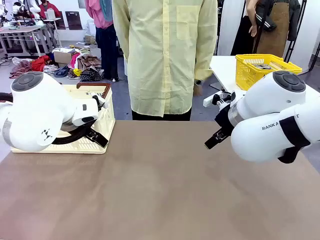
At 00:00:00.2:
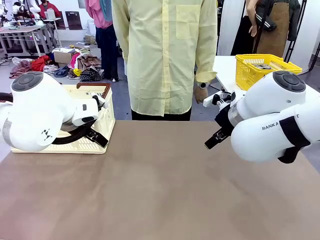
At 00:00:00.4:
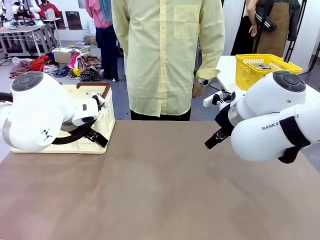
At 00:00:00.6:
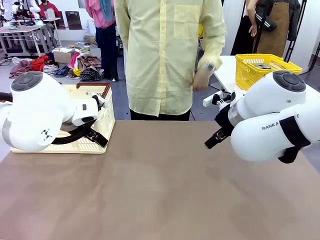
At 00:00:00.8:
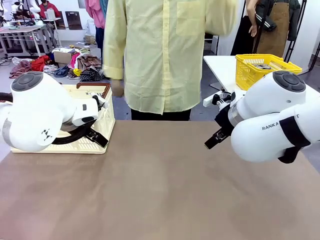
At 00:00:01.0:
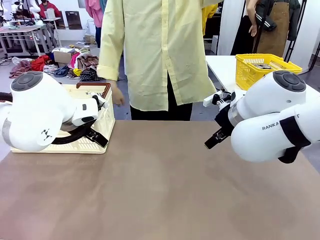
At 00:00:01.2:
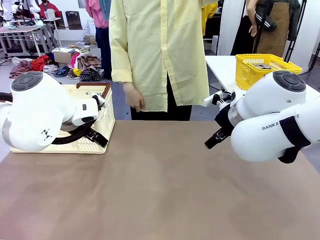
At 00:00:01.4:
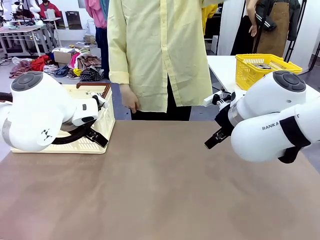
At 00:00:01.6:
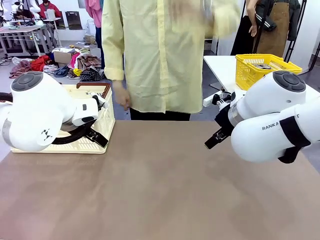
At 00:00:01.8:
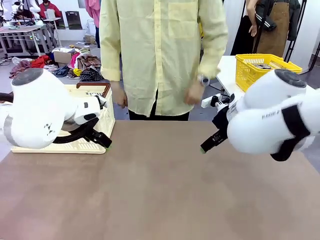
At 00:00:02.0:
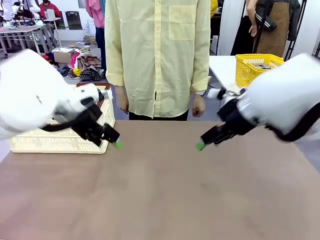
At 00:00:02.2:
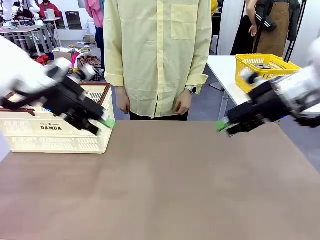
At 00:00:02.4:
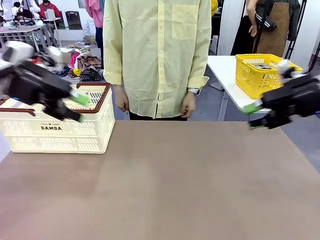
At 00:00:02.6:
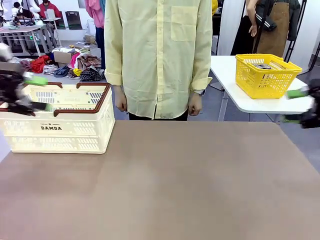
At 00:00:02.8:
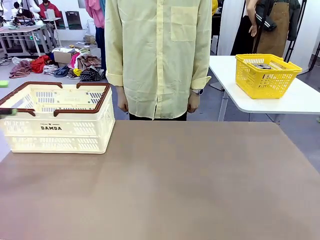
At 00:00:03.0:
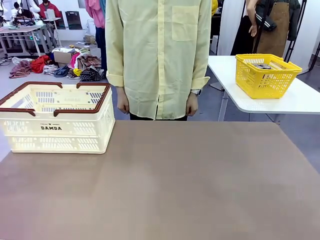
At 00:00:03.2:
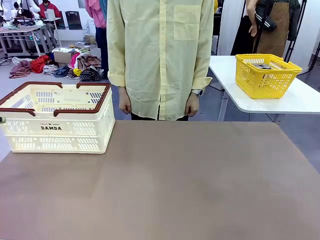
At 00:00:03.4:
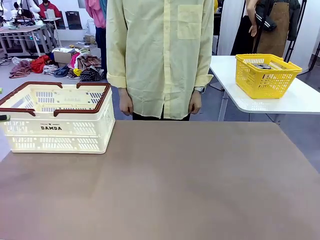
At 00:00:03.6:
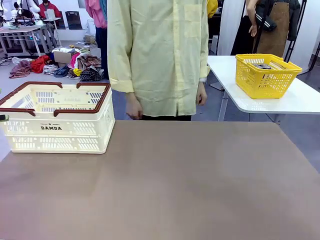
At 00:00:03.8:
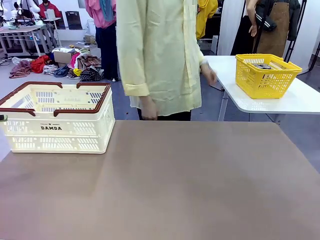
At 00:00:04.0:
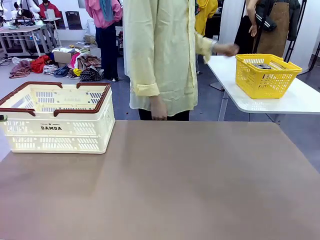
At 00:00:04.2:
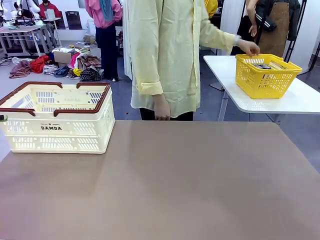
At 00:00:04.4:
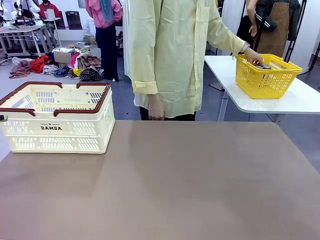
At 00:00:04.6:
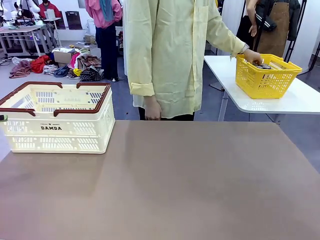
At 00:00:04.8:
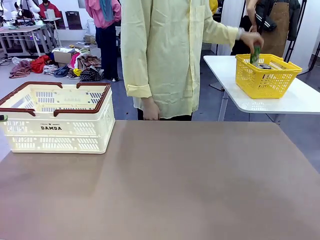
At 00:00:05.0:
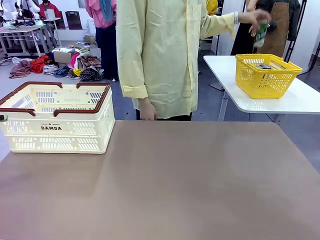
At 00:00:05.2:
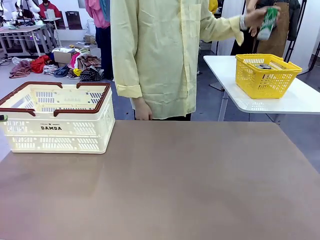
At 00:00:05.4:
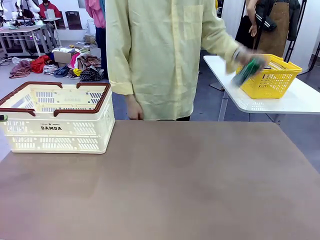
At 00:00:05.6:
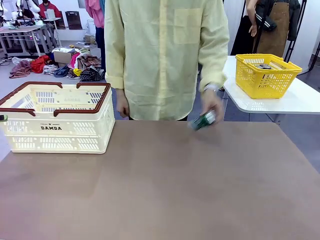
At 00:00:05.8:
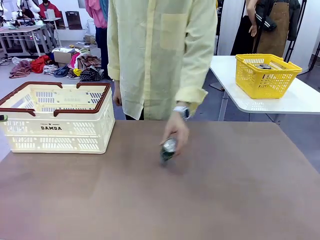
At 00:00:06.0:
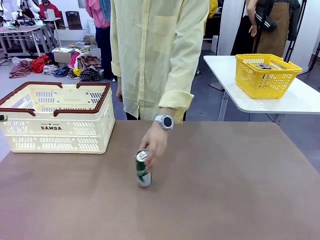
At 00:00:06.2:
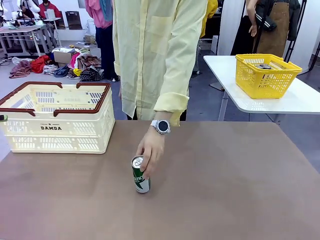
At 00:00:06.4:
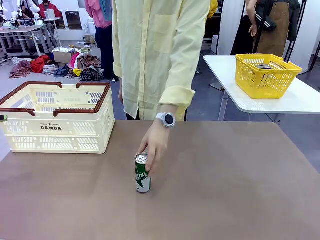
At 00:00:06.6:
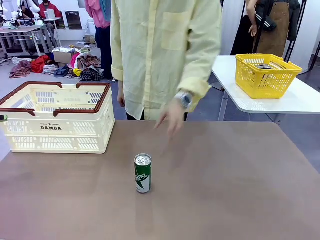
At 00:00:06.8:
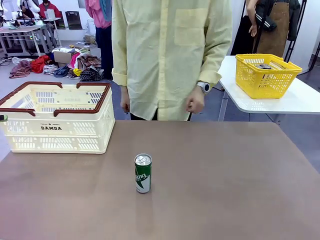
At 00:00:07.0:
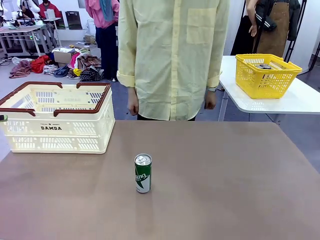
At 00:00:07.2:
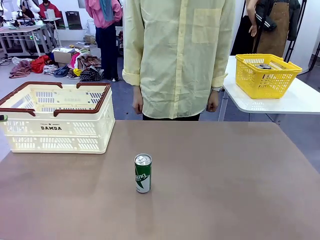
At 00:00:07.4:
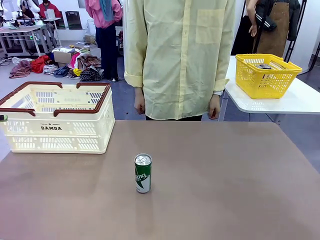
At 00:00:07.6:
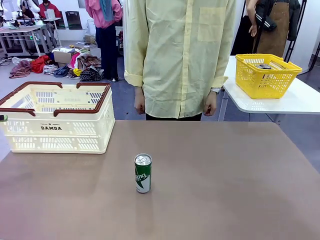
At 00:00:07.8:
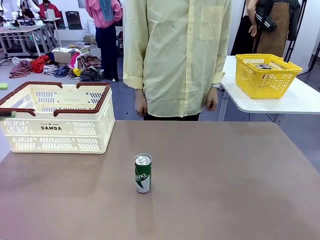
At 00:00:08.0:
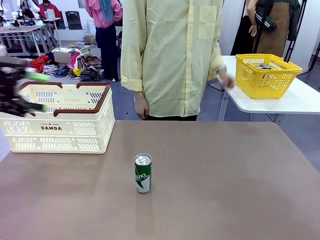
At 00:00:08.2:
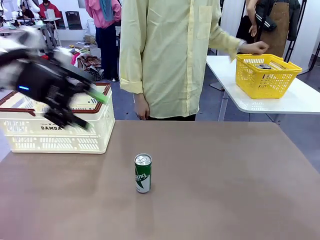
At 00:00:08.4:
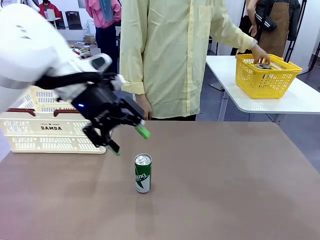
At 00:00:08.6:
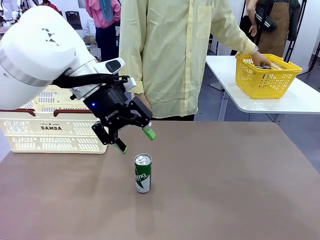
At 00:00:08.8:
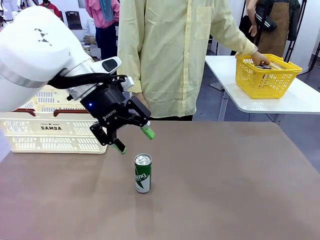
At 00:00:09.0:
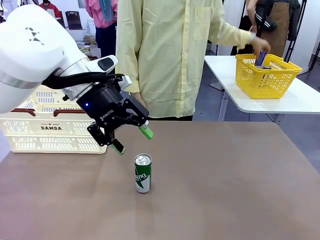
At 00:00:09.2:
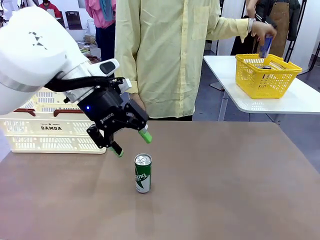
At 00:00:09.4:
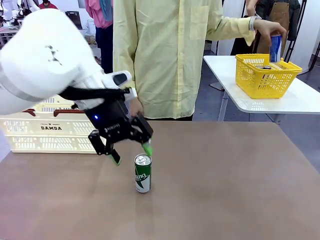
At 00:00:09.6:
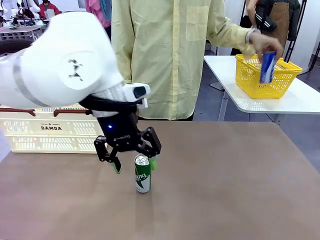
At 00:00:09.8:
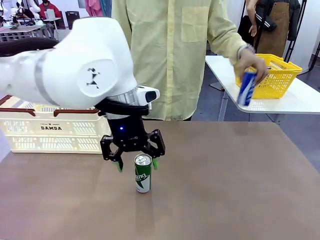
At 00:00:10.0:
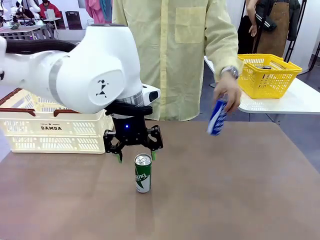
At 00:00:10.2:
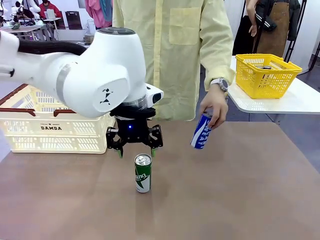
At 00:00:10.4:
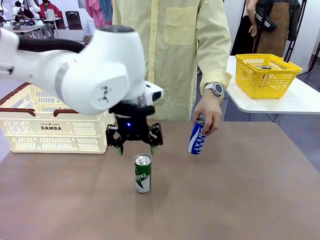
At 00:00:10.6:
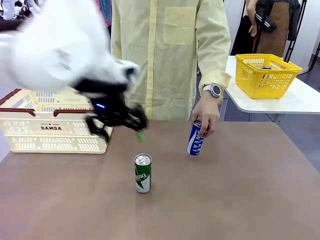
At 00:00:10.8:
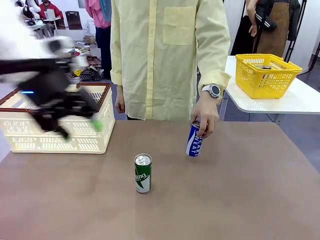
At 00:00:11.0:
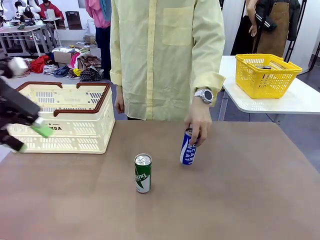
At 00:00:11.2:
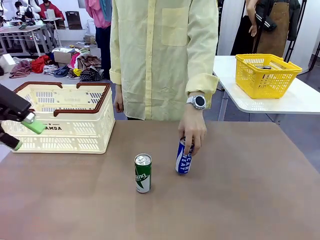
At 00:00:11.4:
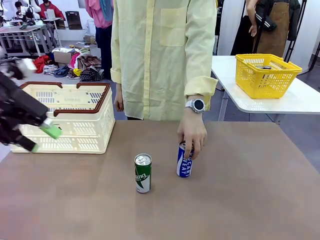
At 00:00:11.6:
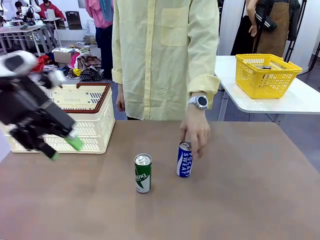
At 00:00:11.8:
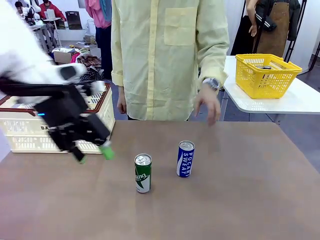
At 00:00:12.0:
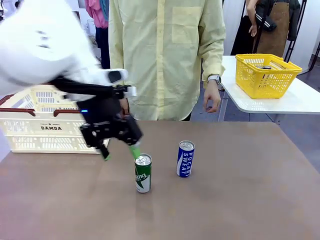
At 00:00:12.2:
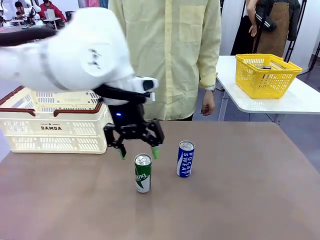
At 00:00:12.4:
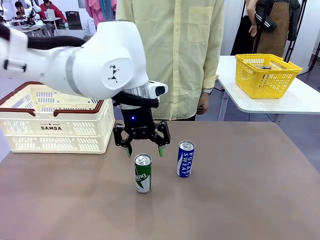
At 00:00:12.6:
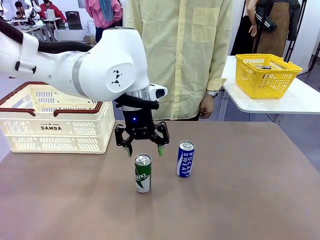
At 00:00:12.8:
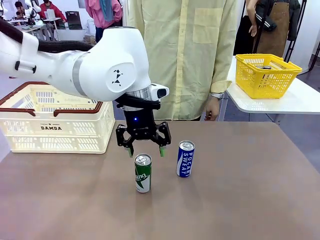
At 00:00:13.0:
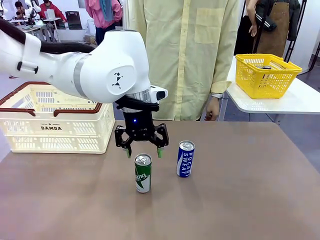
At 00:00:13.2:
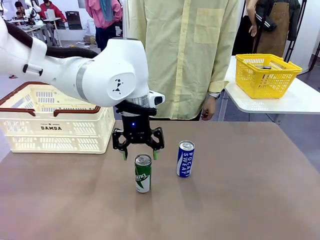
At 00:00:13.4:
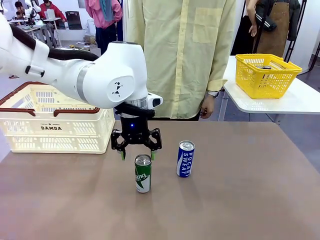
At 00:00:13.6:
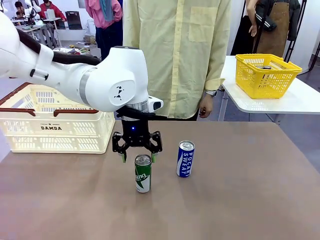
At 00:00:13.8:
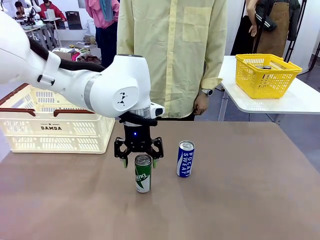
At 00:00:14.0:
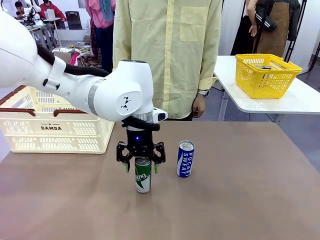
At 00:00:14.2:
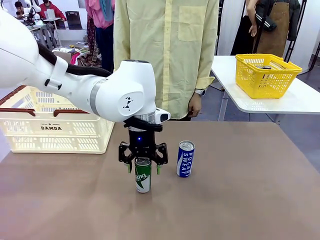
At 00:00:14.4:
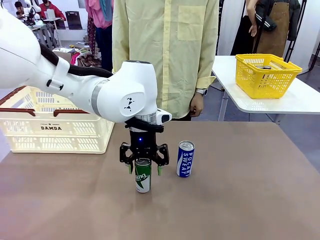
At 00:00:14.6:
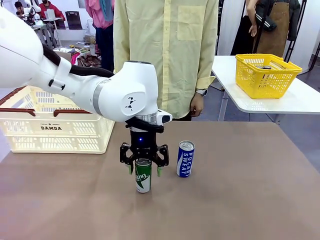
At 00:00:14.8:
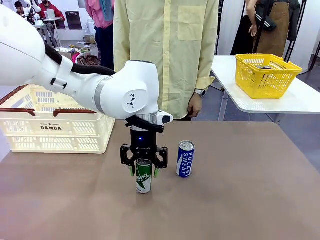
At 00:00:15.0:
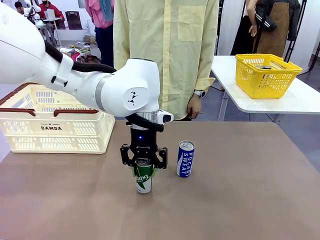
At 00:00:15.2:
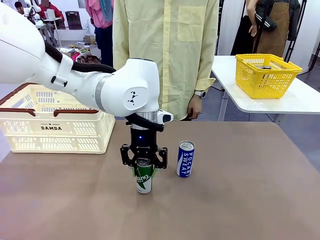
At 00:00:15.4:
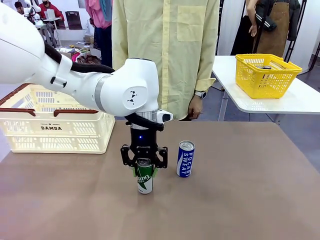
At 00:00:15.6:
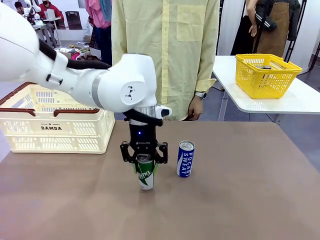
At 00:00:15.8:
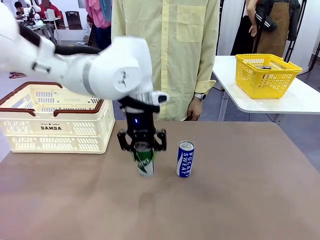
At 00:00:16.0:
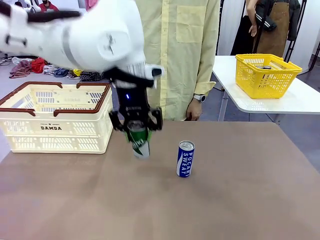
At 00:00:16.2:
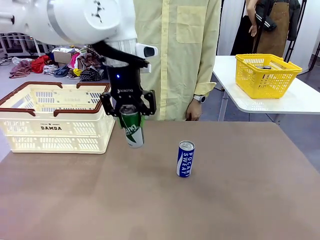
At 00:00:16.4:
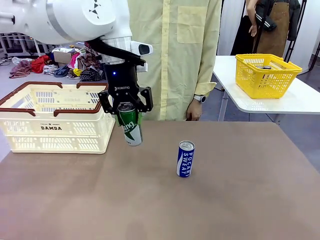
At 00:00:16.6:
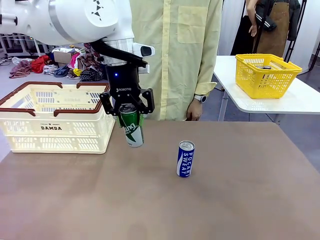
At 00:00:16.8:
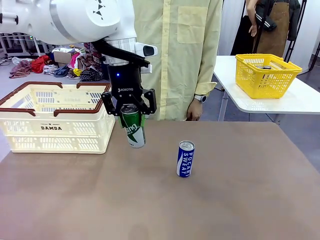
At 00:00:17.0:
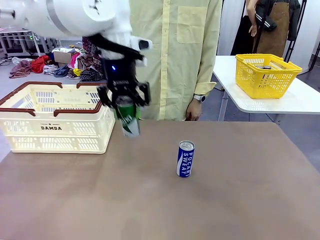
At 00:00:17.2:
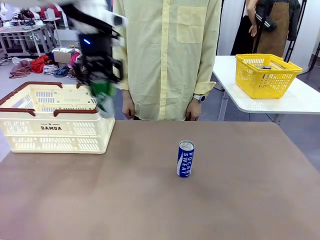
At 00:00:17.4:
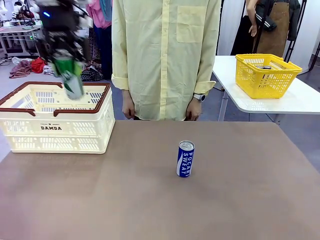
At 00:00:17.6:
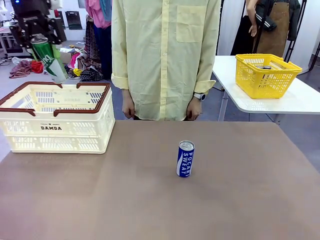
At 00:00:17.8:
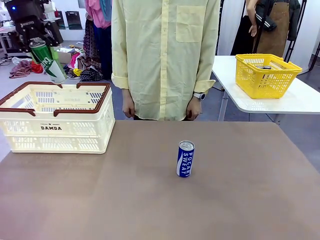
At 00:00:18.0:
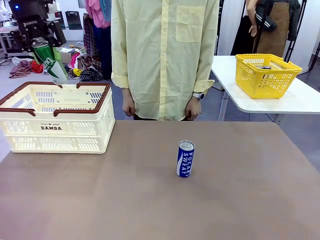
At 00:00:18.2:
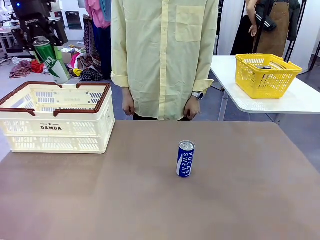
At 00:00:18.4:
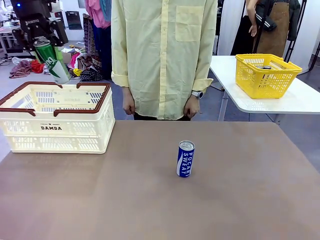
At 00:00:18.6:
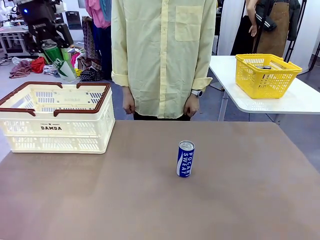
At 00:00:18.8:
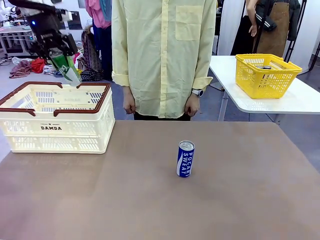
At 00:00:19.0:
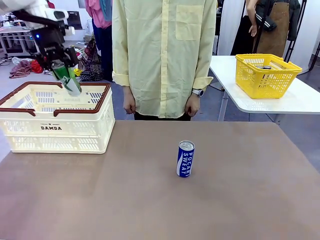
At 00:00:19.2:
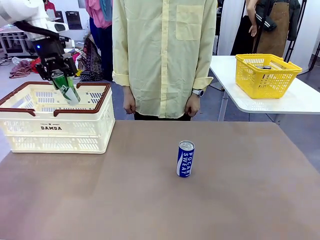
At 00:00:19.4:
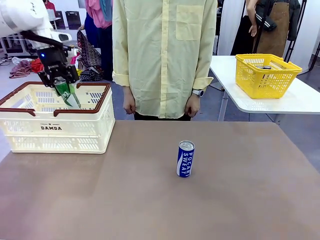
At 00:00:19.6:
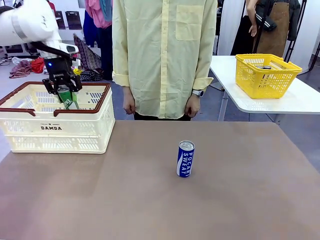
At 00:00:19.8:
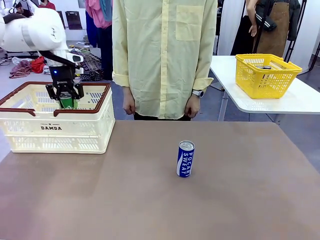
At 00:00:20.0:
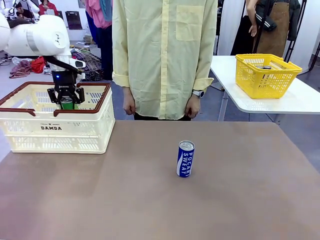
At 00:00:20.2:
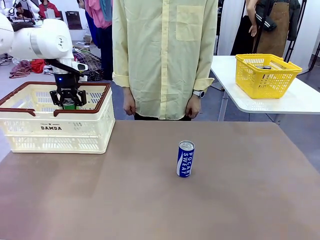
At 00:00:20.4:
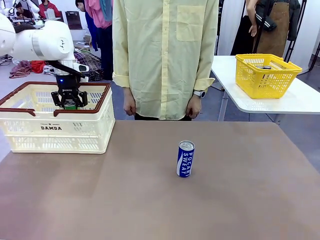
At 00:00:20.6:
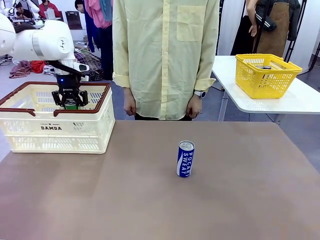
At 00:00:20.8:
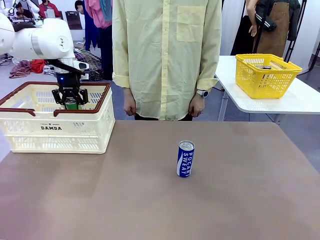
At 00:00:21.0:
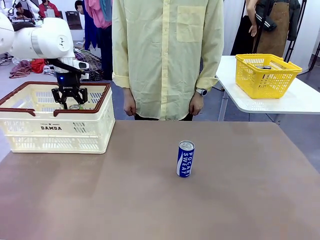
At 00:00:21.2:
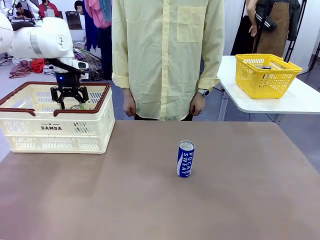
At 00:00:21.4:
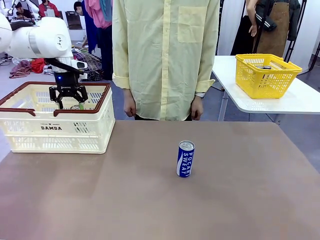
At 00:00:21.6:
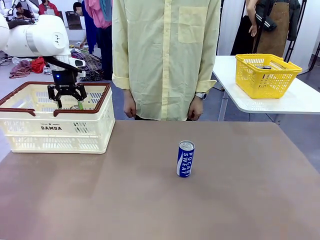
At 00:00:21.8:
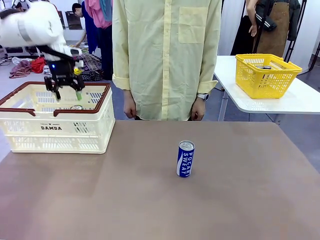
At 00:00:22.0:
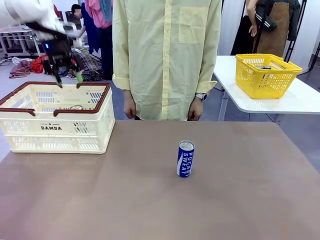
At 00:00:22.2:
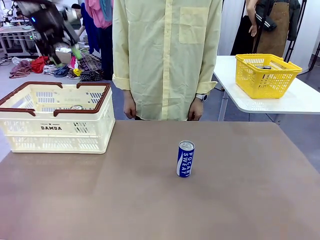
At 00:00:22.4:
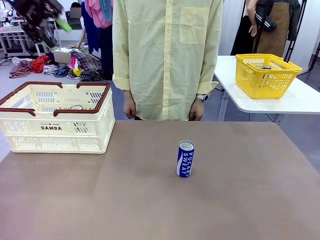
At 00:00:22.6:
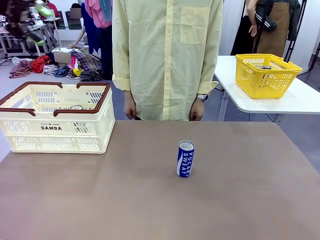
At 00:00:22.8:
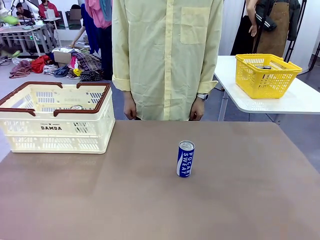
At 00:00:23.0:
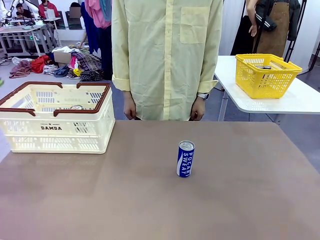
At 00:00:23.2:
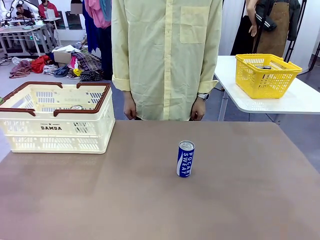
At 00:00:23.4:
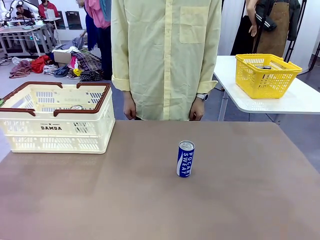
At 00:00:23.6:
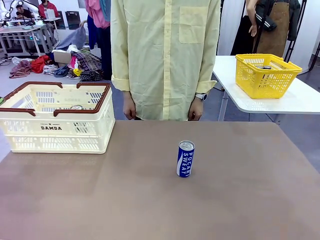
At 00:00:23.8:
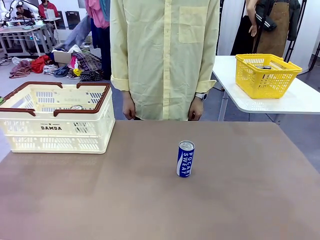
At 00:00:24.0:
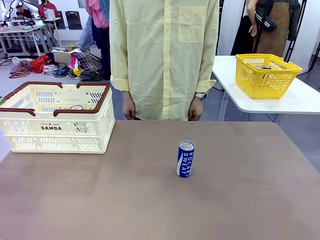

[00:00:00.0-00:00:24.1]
Task: Place the drinks into the Shopping basket.
Robot: Pick up one drink and place it into the Shopping basket.
